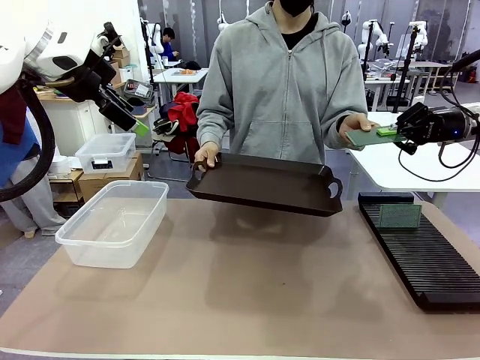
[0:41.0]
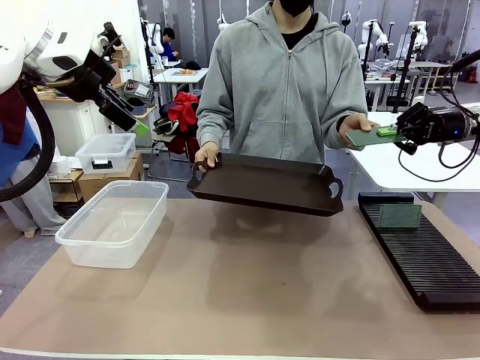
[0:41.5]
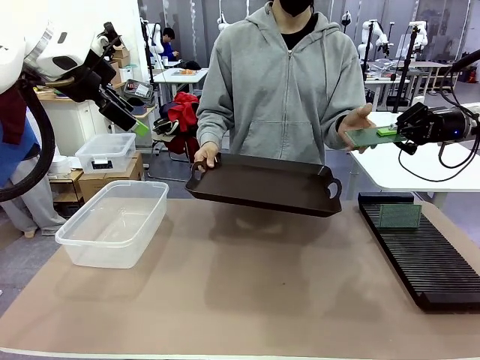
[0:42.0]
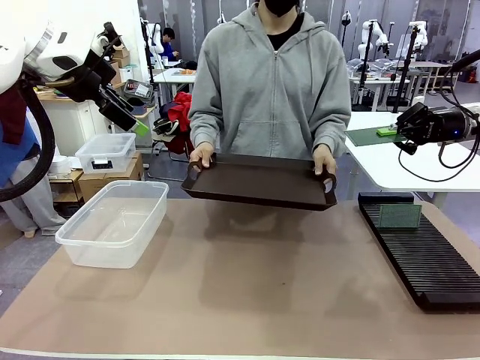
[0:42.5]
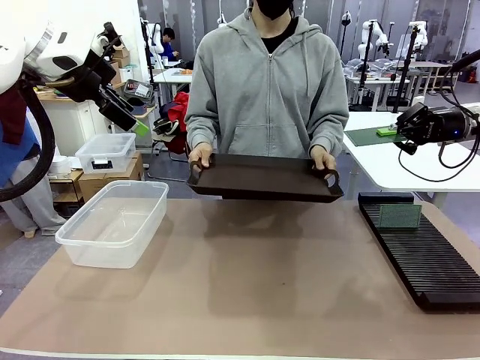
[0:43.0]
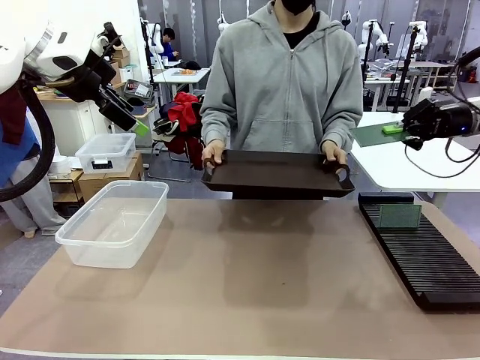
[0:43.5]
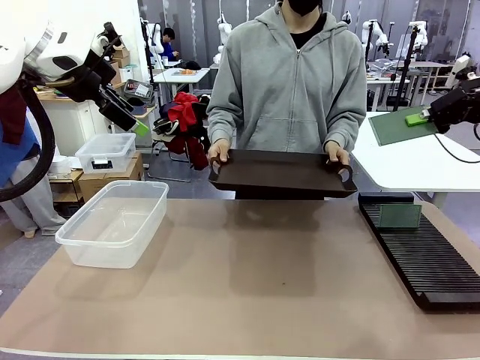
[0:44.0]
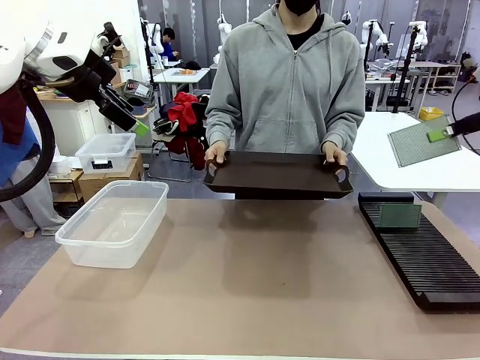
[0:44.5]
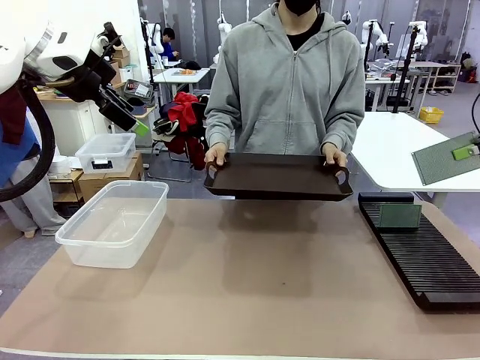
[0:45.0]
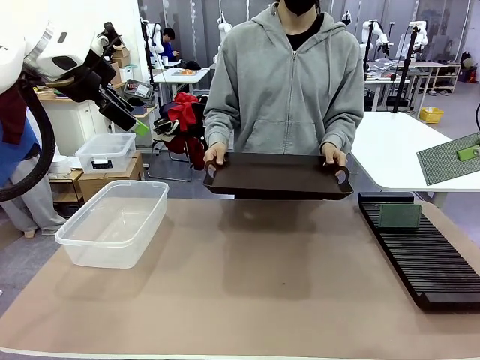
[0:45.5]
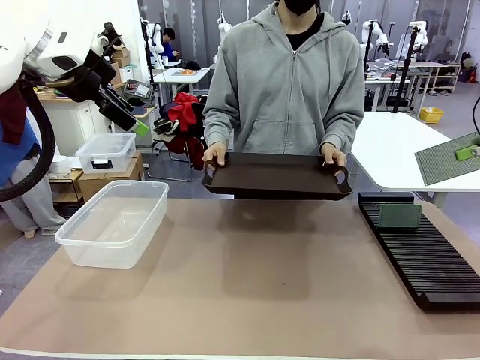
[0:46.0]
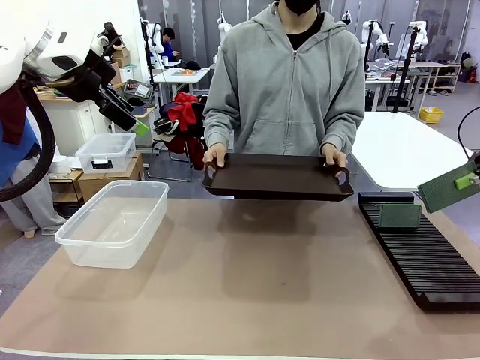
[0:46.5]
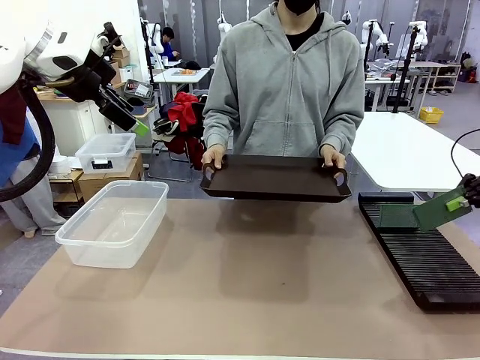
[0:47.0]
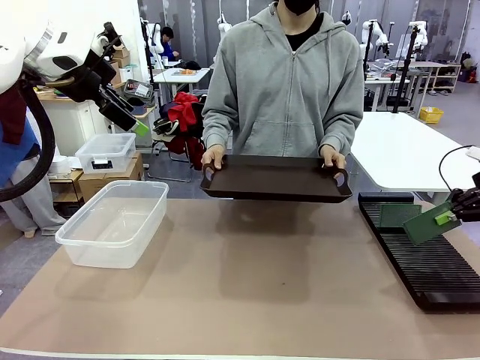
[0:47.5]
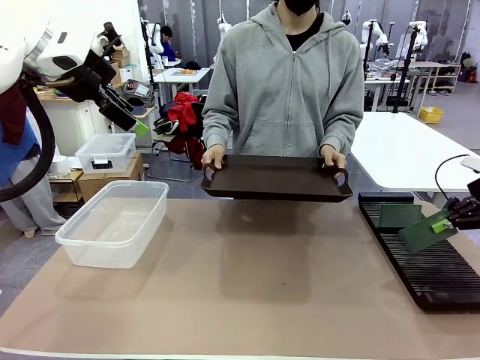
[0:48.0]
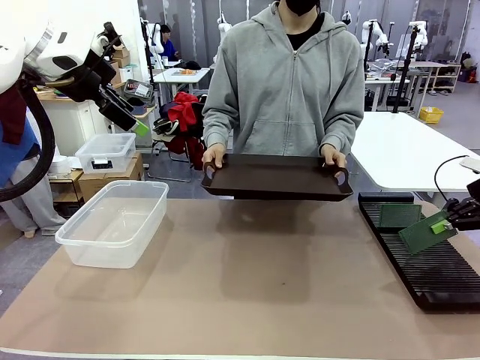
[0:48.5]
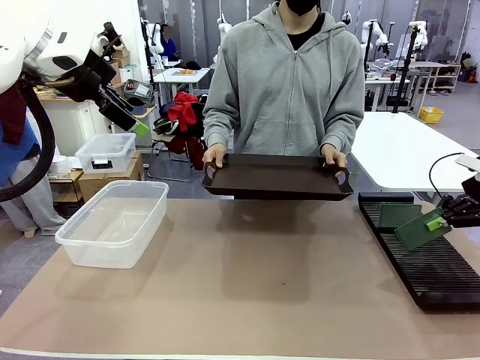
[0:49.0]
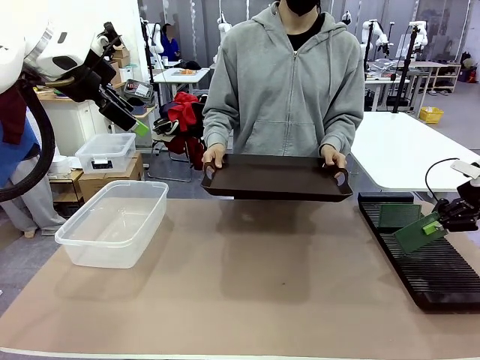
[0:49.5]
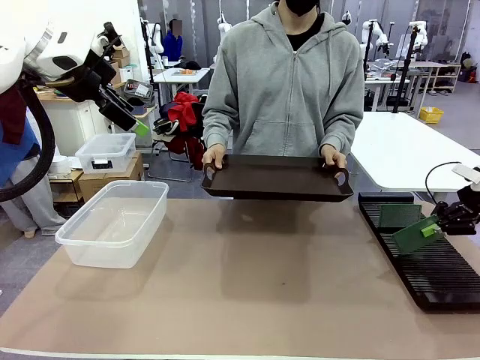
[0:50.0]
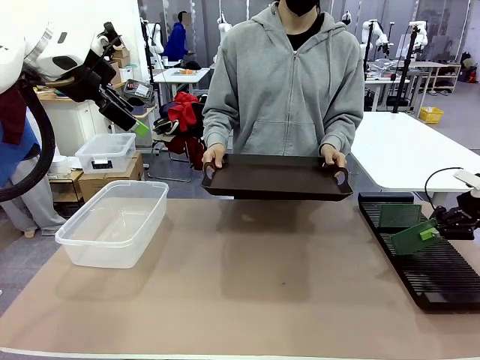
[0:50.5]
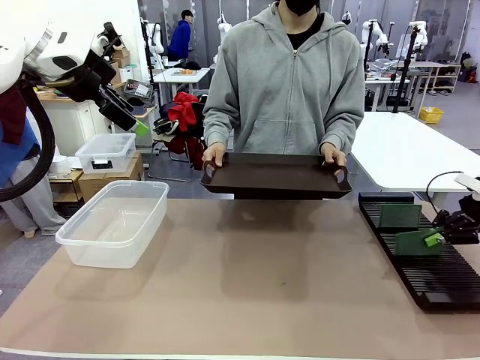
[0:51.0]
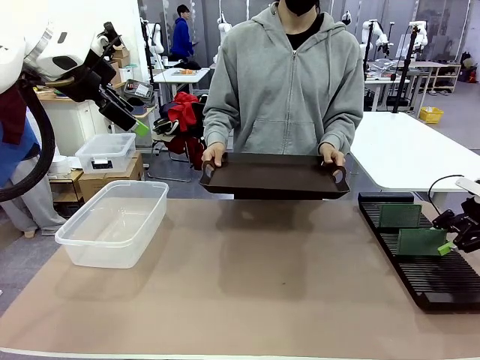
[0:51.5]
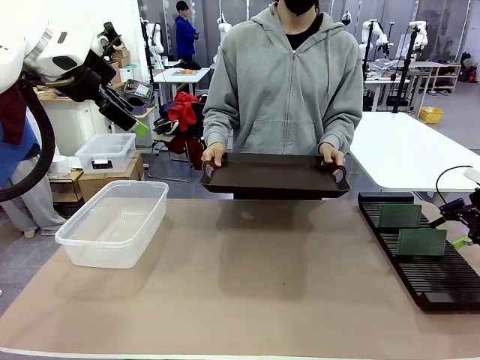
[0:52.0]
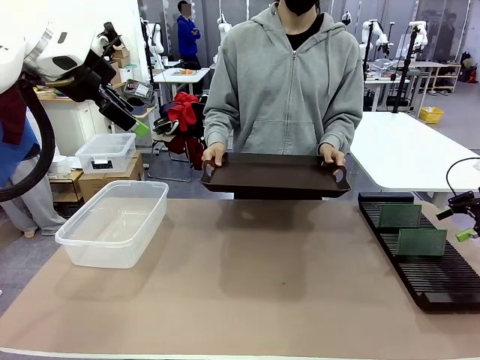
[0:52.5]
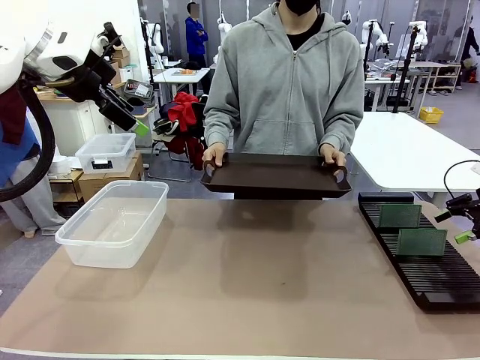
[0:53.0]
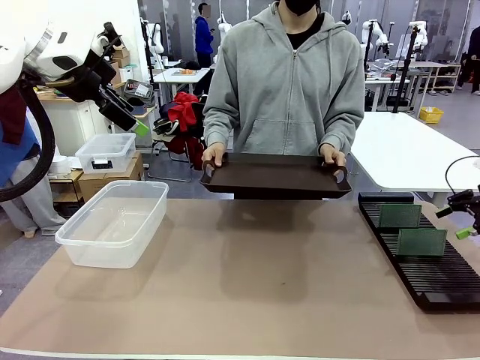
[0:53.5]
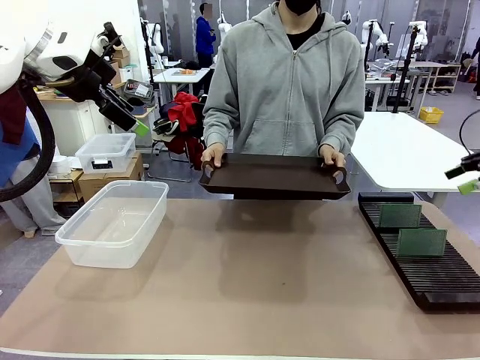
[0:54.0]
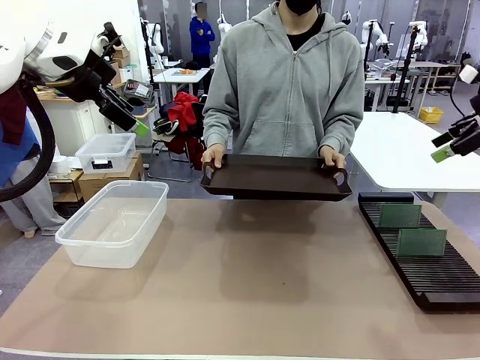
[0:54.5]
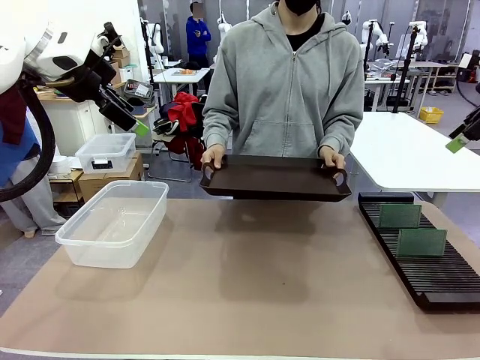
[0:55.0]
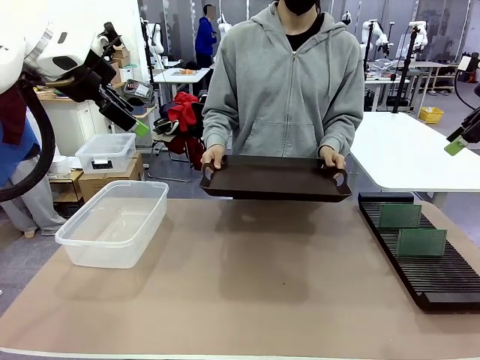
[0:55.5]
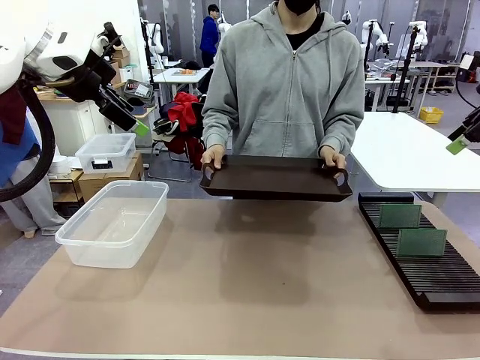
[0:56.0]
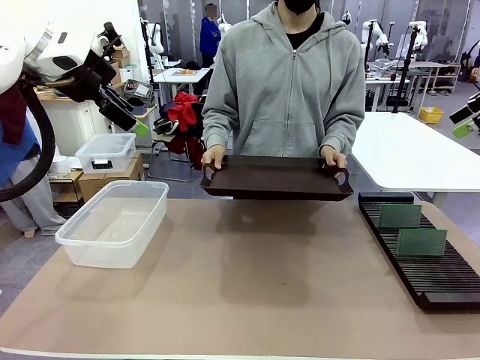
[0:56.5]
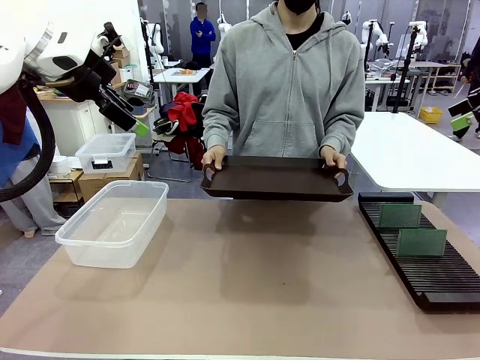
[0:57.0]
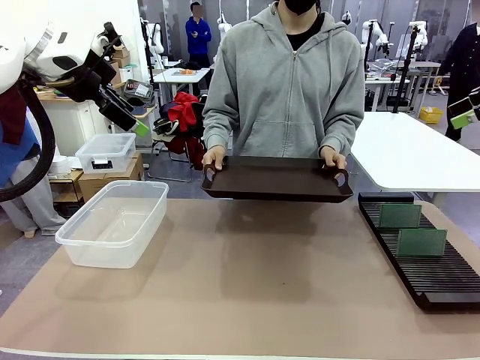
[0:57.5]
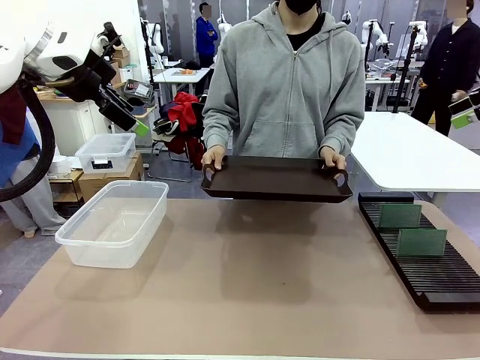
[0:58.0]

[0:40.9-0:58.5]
Task: Sort PCBs into racks and boxes based on the side picked up.
Robot: If the short side of the Blank PCB is picked up, insert it into the PCB Rack ; if the long side is picked up, place it in the Organizing box.
Person: Release the PCB being held.

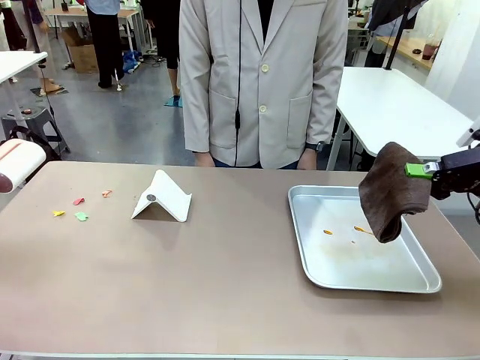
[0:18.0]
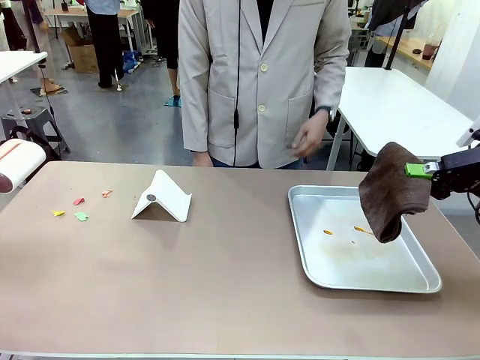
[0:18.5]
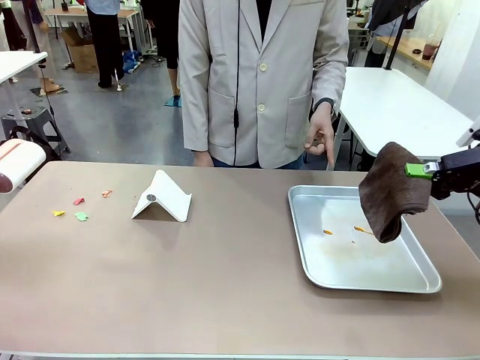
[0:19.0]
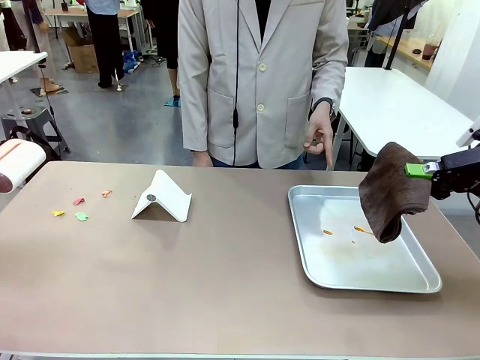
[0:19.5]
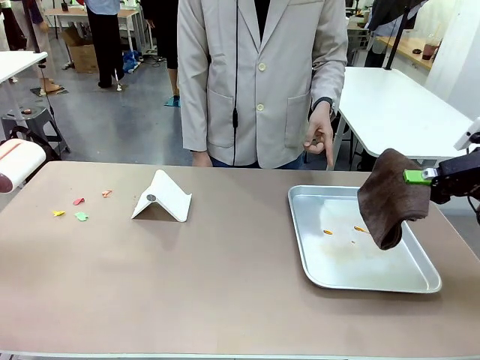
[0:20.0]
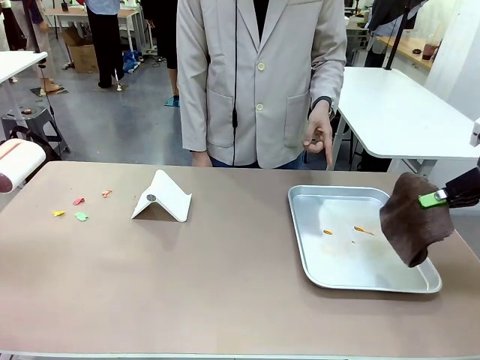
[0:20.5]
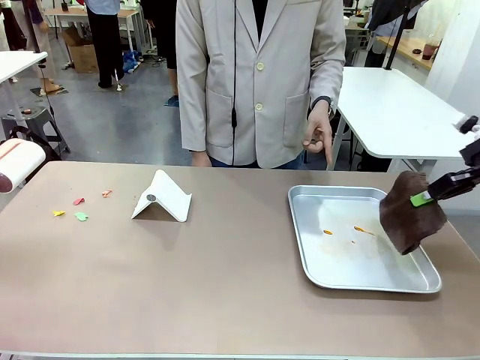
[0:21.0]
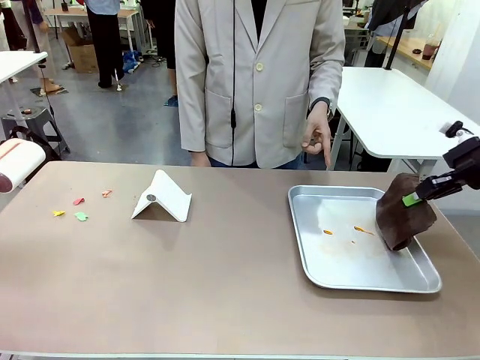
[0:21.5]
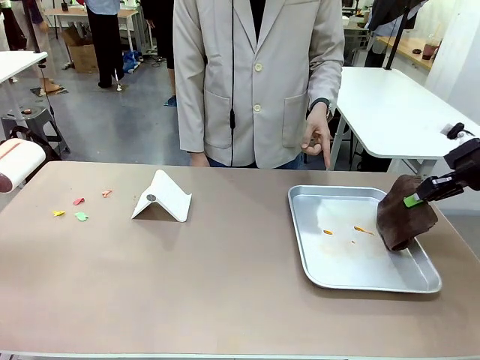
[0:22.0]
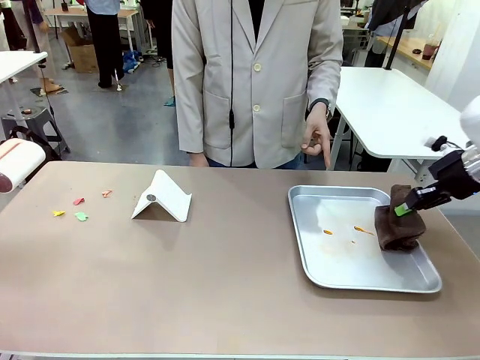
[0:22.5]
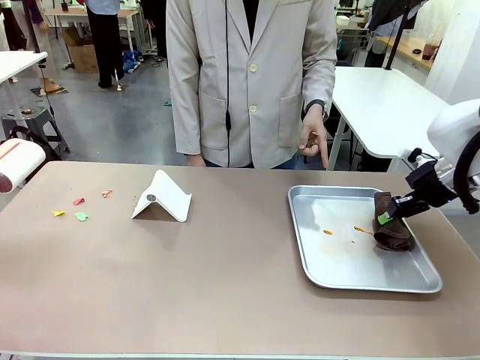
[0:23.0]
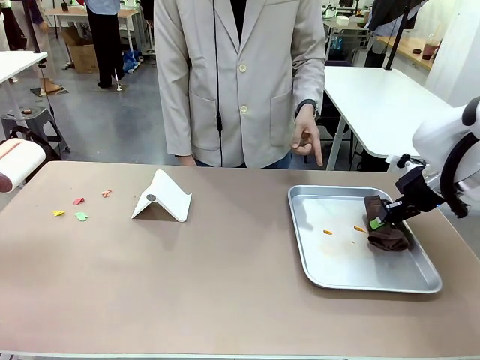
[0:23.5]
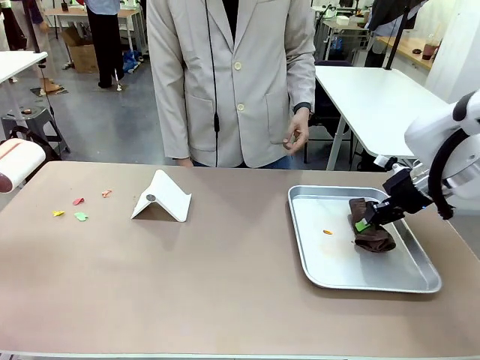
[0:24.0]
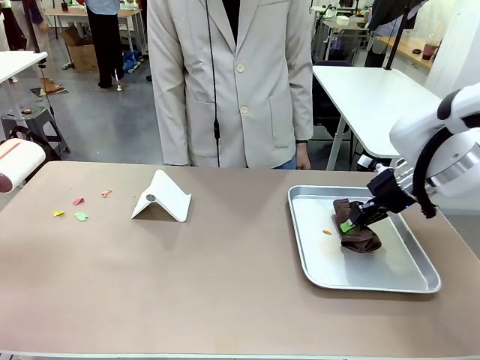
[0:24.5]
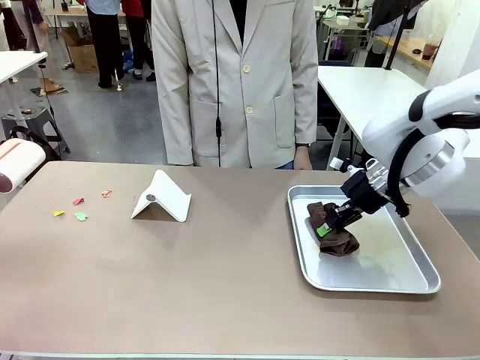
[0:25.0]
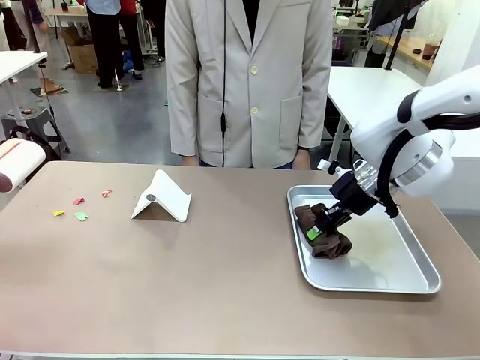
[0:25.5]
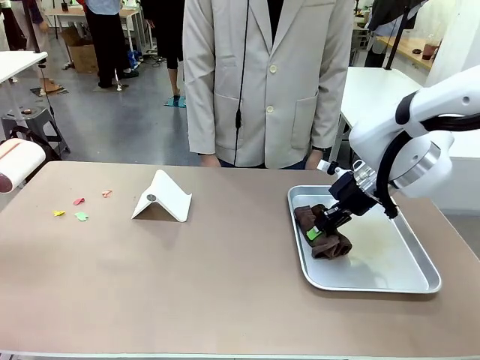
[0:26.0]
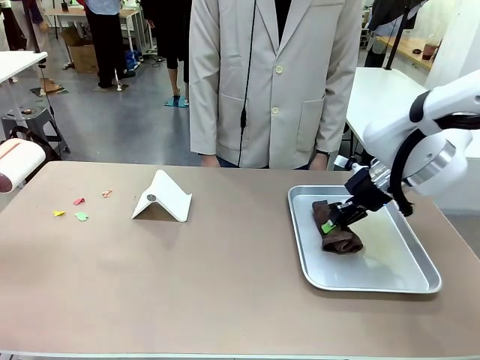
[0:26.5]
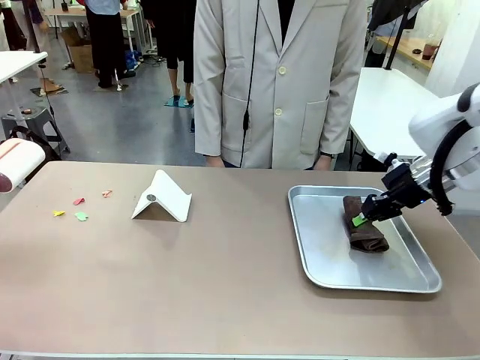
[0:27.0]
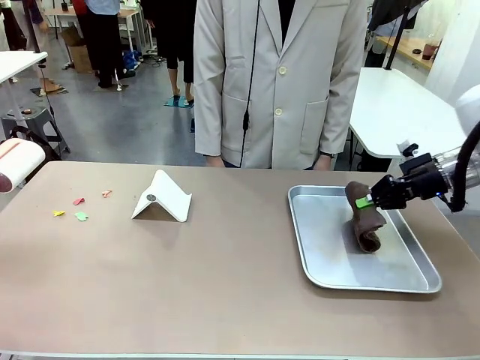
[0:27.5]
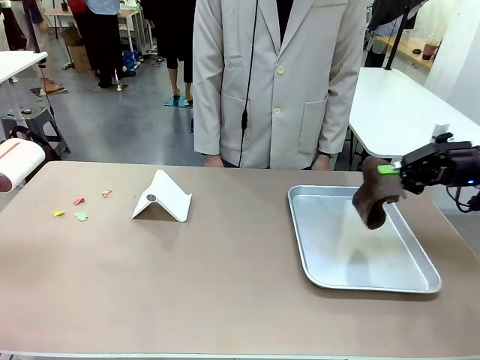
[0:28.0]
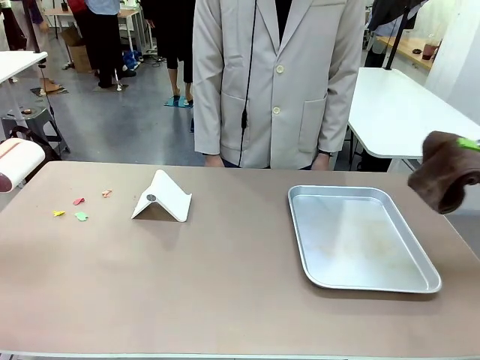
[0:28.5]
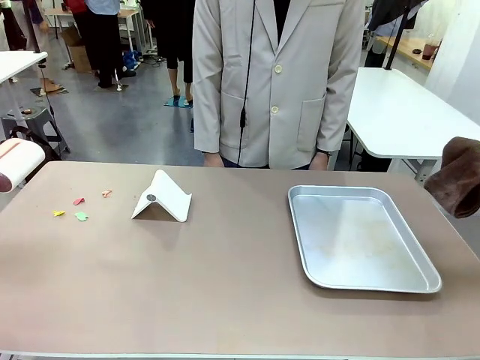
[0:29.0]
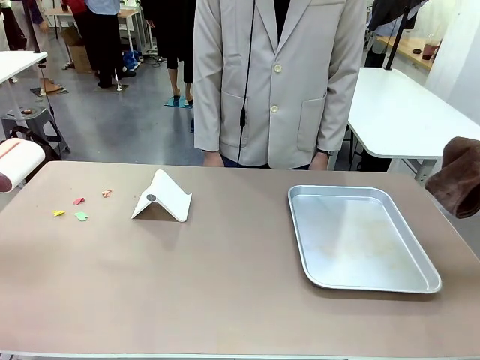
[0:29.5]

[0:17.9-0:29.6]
Task: Clean the surface of the table.
Robot: If a person points to the right, clean the right side of the table with your right hand, and if they point to the left, clean the left side with your left hand.
